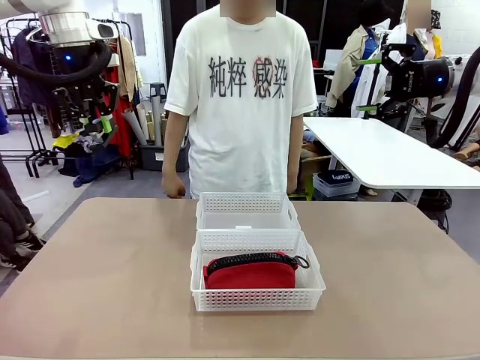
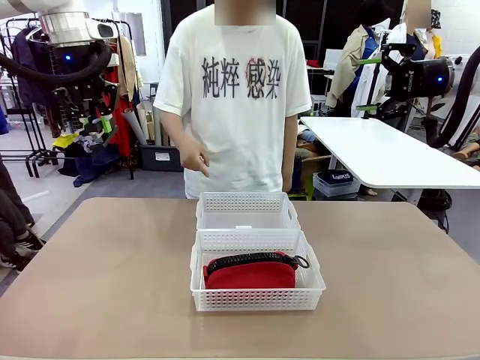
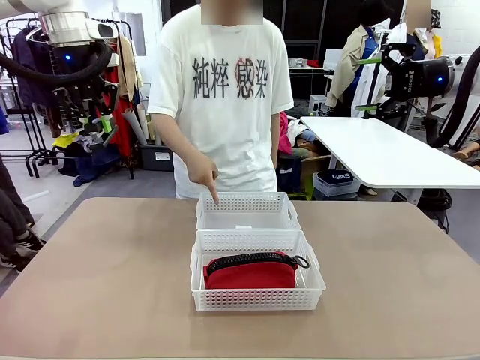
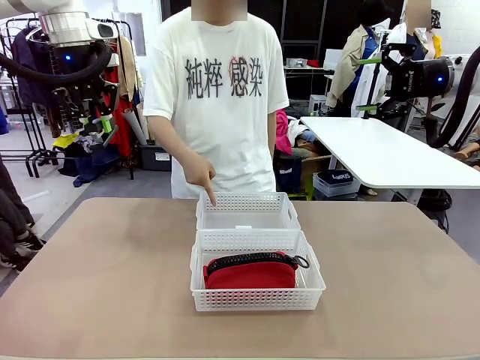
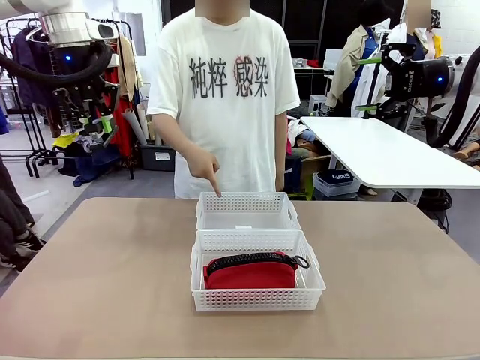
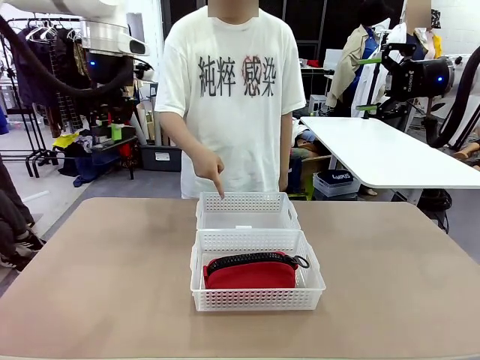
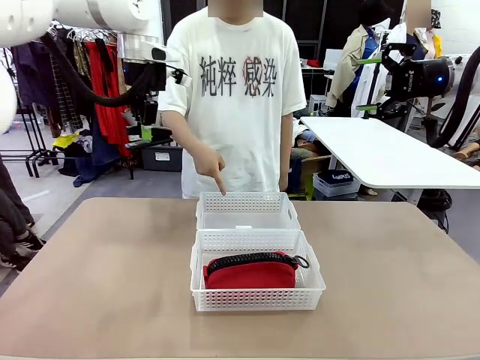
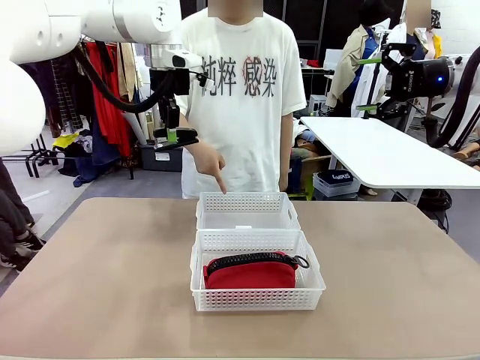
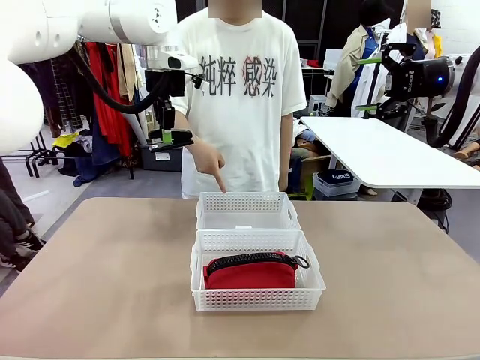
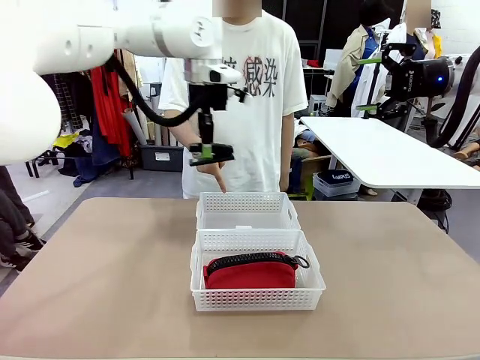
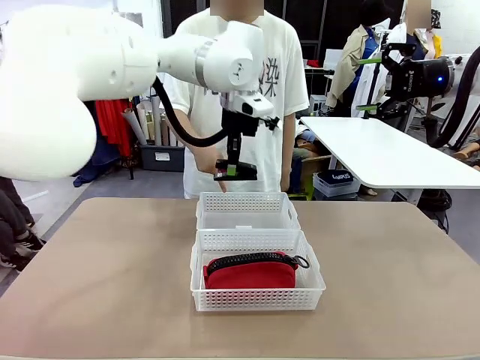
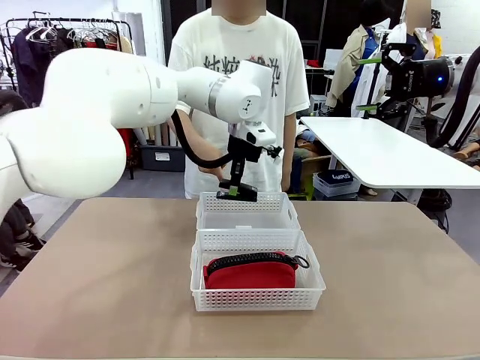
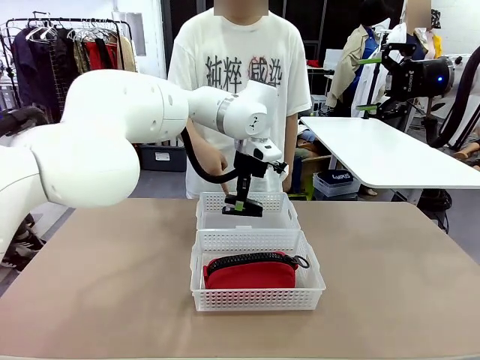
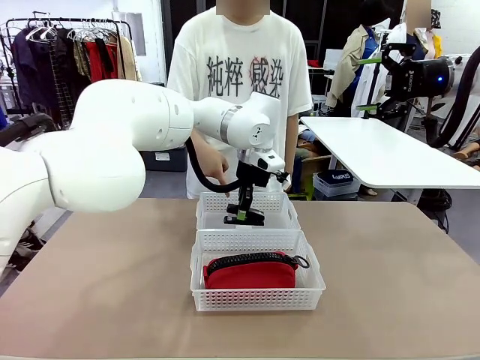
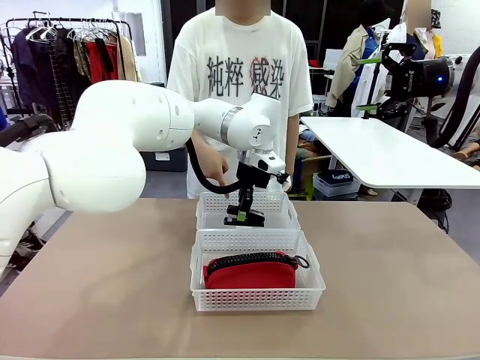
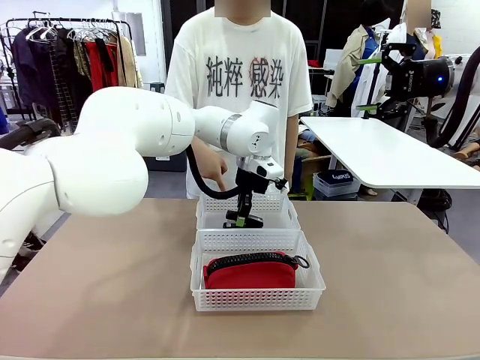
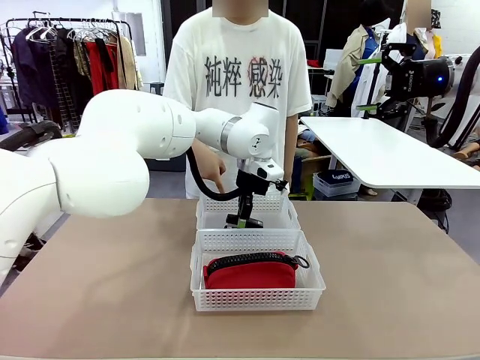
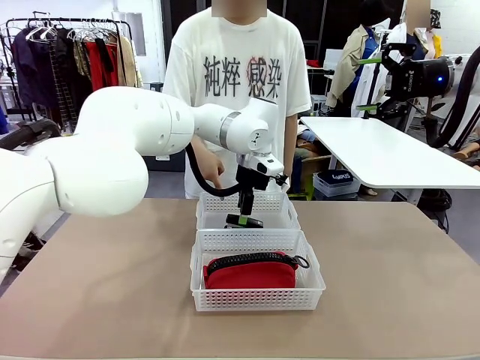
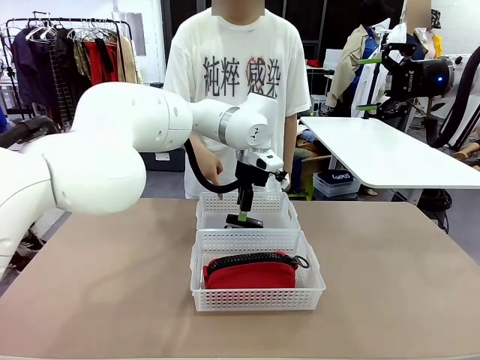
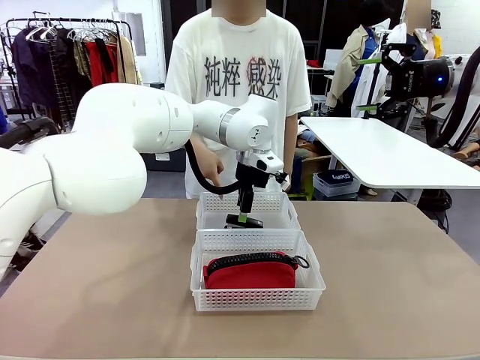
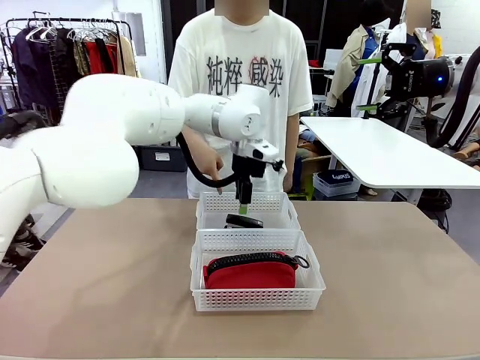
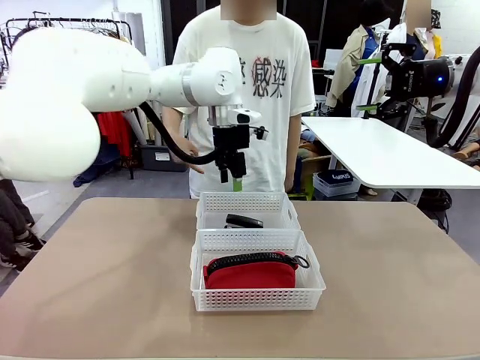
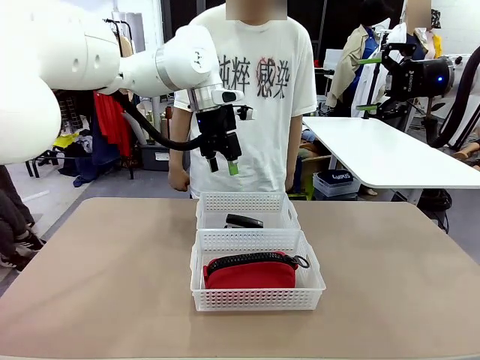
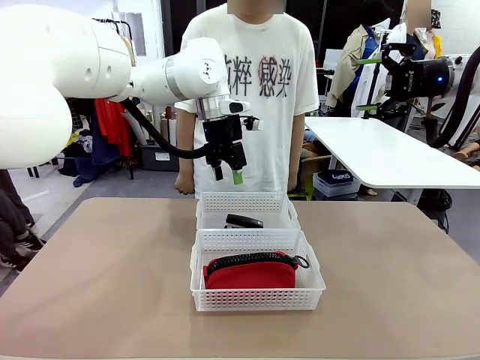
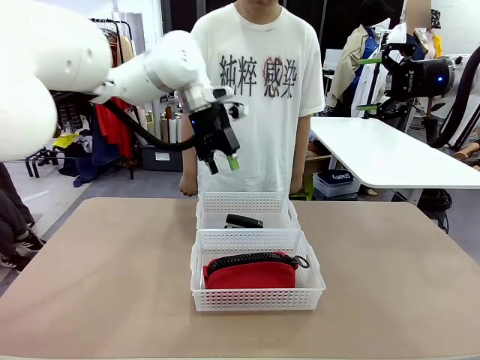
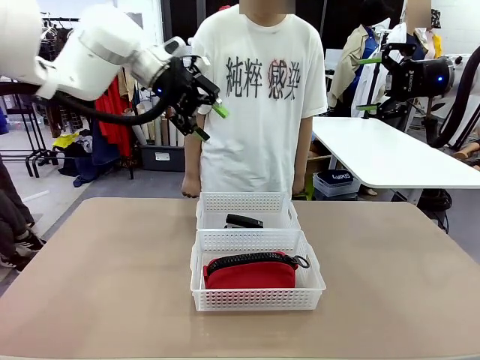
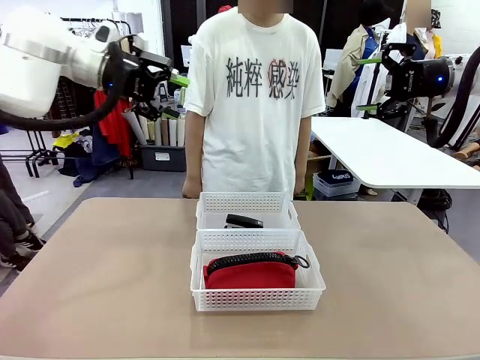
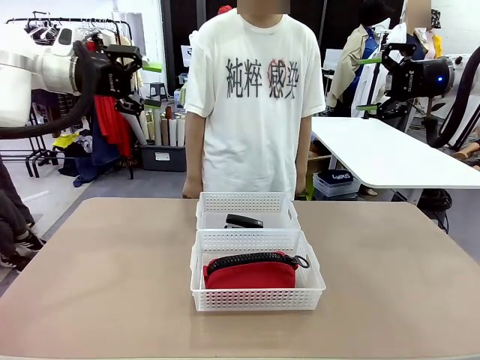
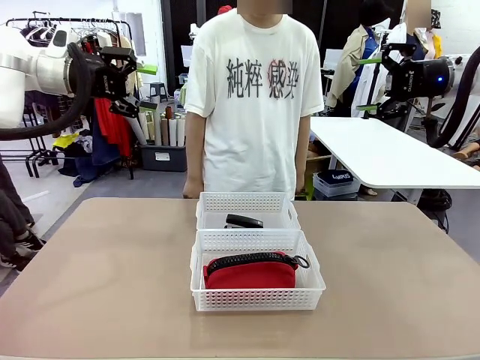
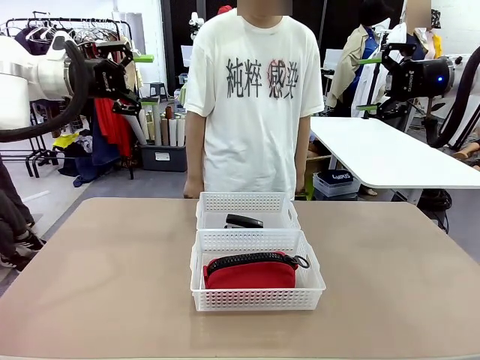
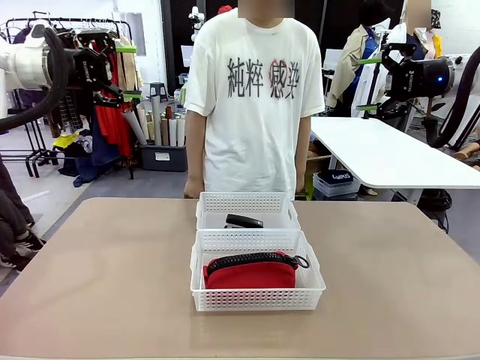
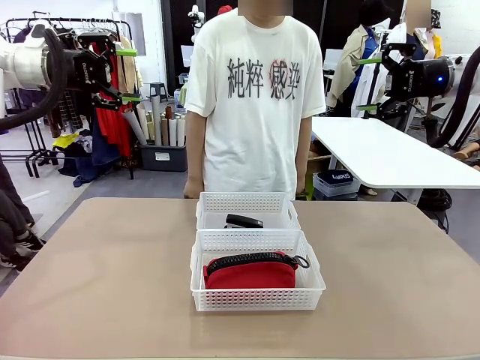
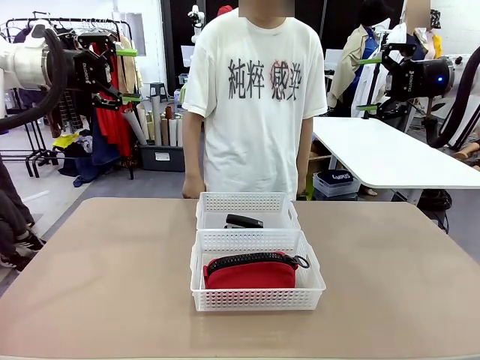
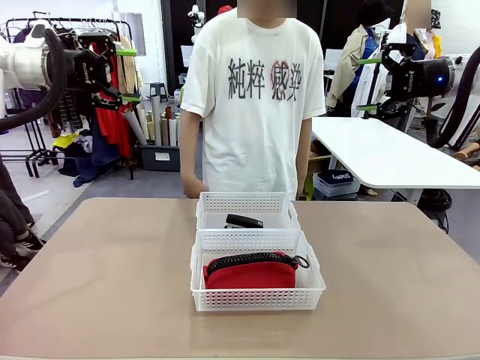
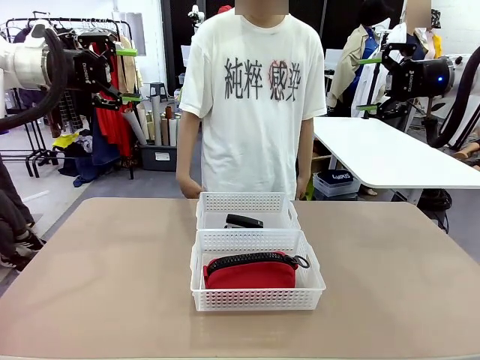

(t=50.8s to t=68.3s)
Task: Distribute items into two baskets.
Robot: Place the picked Stapler into the Organizing basket as instructed by the person.
Person: Points to the basket that does not contain the pencil case and instructs the robot to move the stapler there.

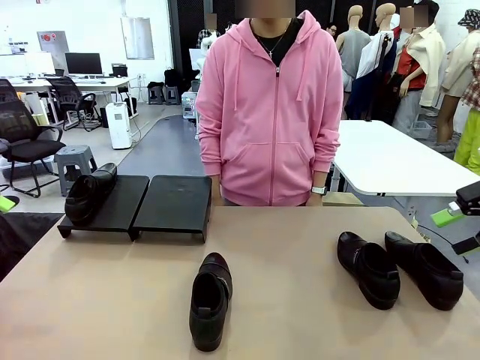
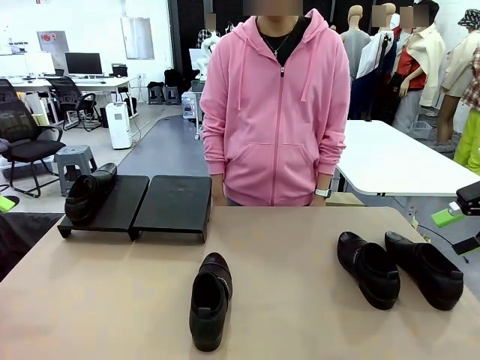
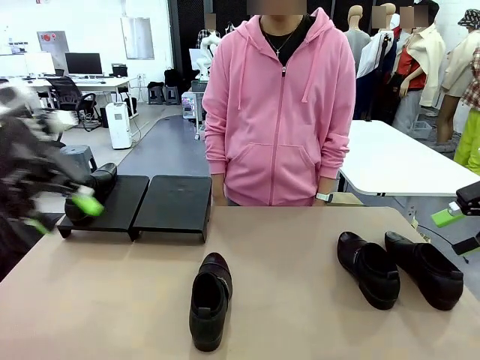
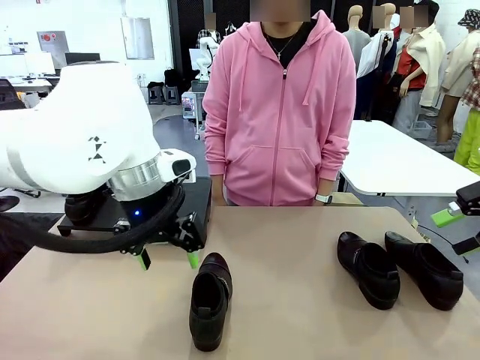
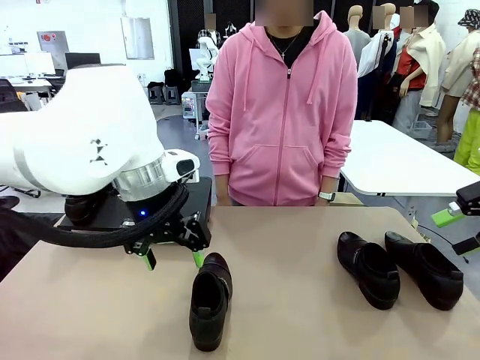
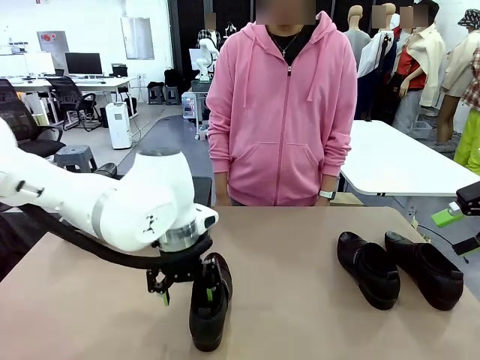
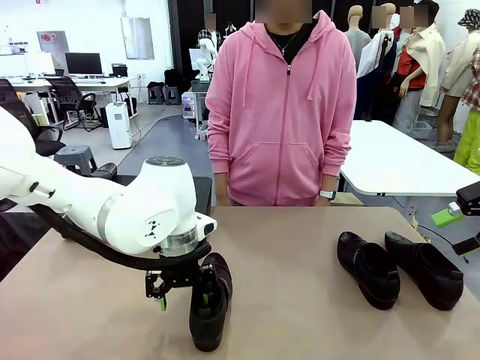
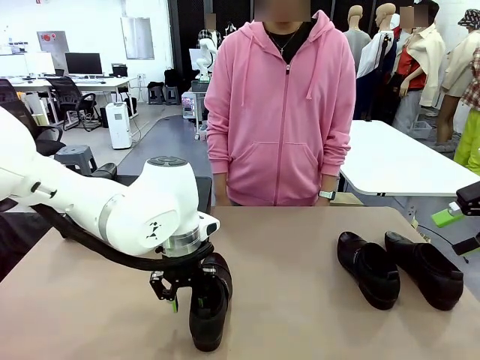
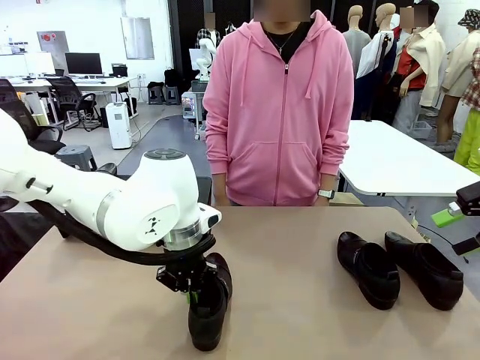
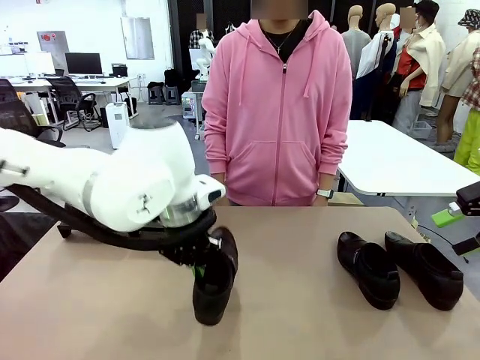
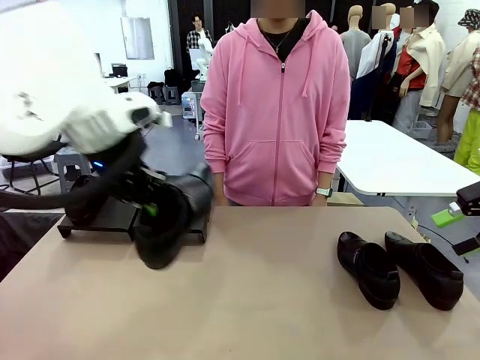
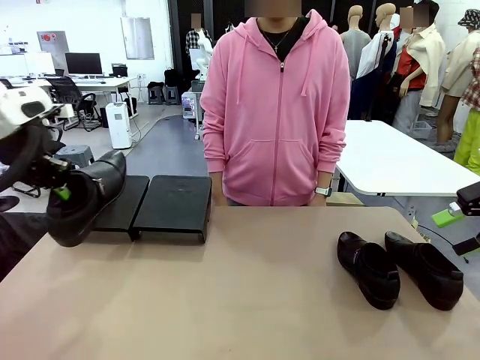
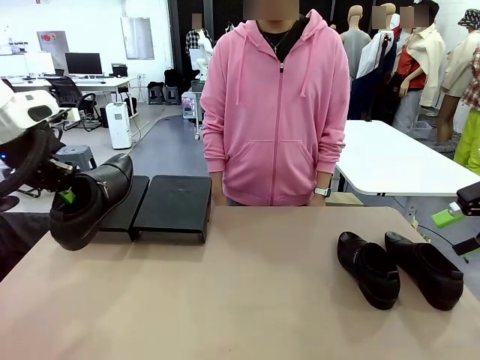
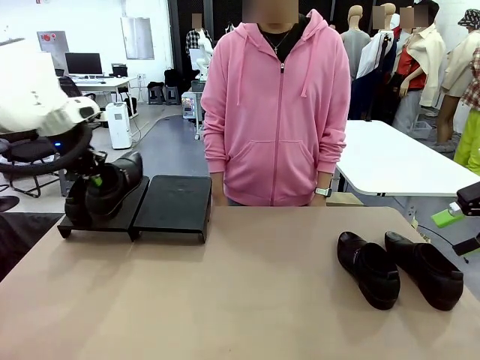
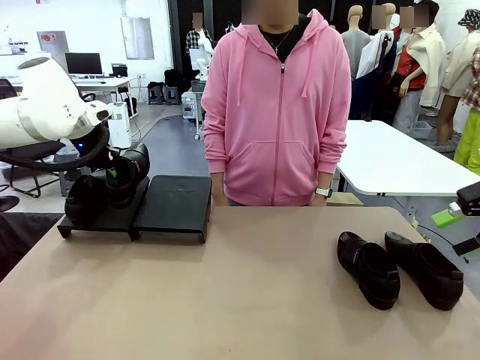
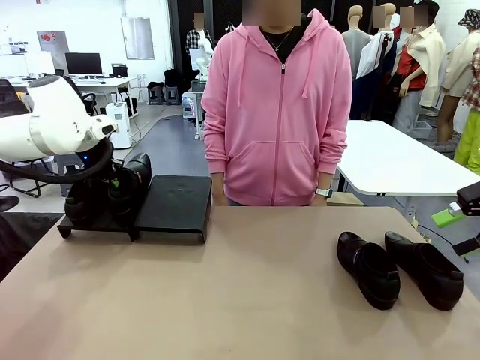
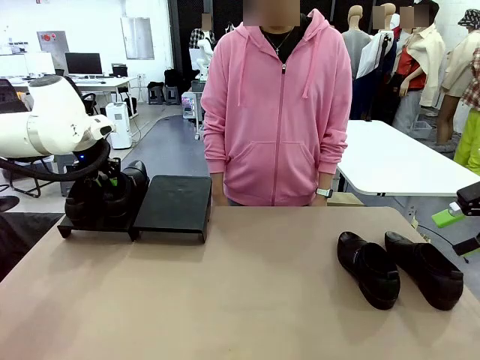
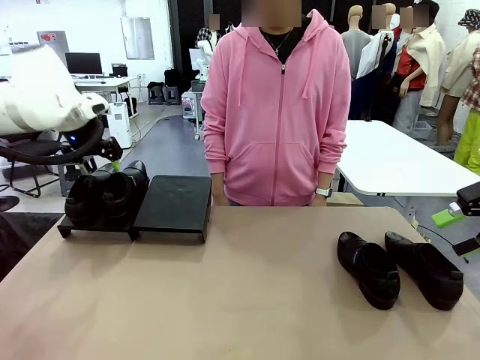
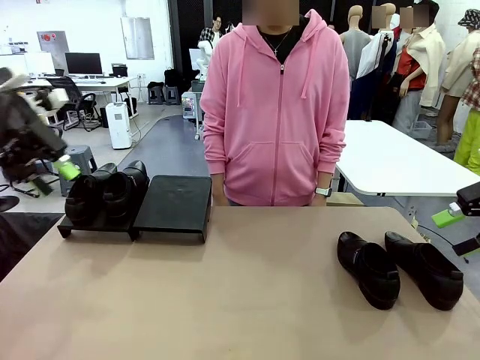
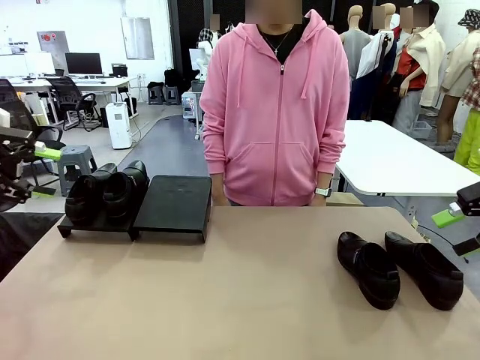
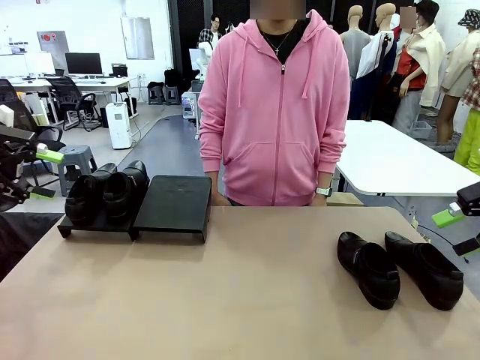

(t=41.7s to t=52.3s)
Task: Organize the shoes by placing them on the stand.
Robot: Place the Shoe from the middle of the table onto the Shoes Stand.
